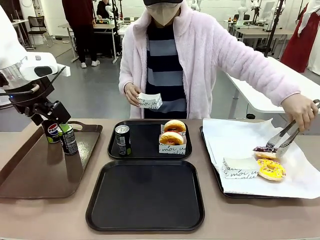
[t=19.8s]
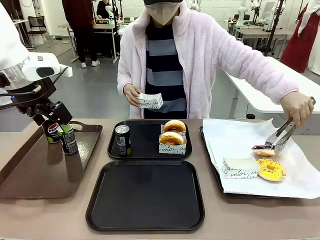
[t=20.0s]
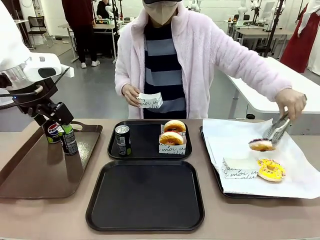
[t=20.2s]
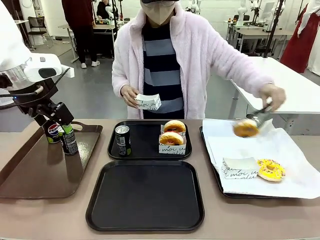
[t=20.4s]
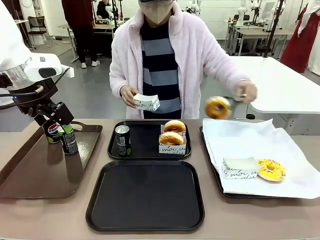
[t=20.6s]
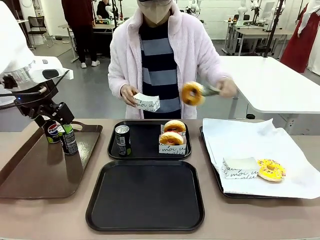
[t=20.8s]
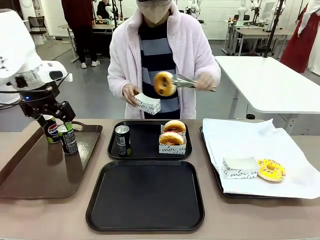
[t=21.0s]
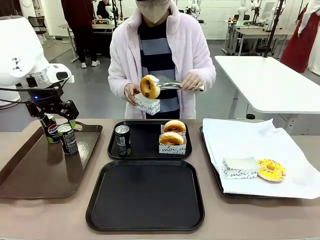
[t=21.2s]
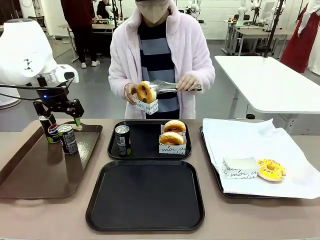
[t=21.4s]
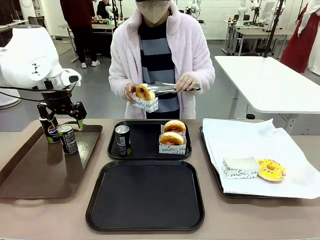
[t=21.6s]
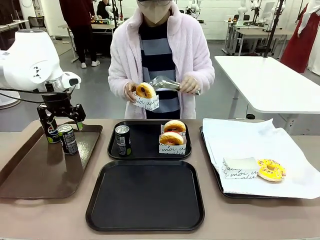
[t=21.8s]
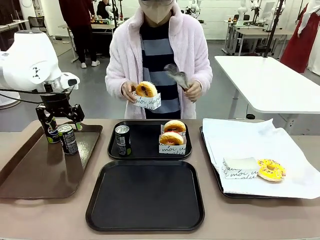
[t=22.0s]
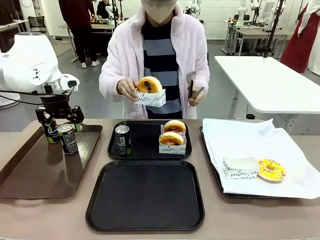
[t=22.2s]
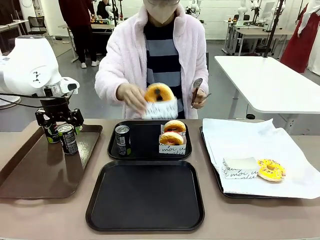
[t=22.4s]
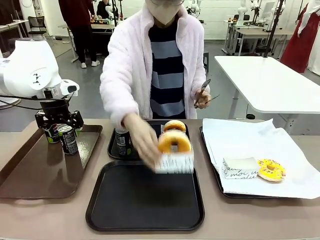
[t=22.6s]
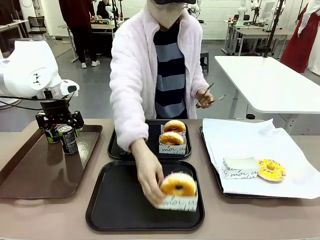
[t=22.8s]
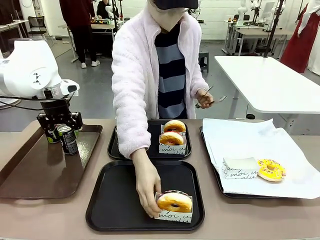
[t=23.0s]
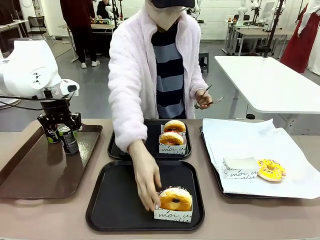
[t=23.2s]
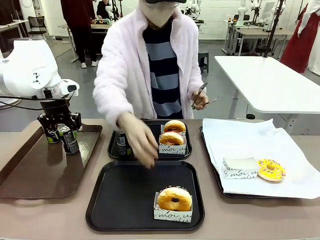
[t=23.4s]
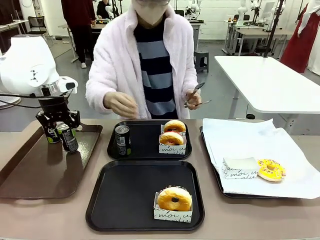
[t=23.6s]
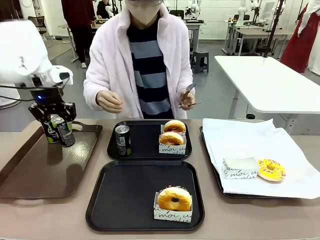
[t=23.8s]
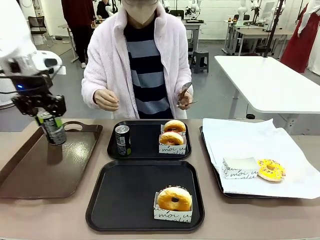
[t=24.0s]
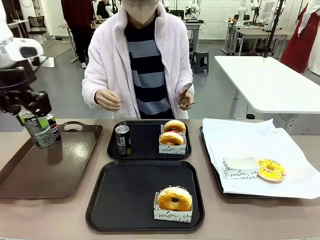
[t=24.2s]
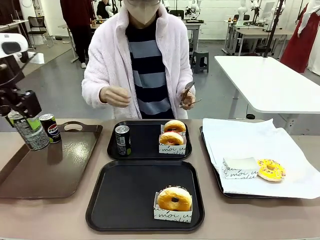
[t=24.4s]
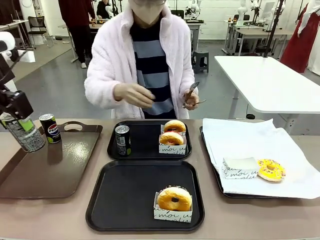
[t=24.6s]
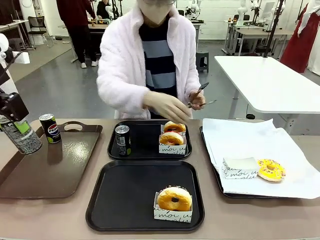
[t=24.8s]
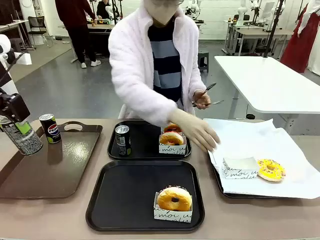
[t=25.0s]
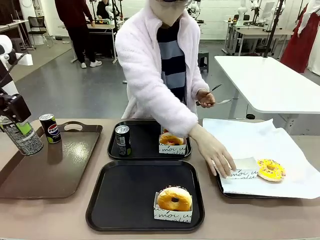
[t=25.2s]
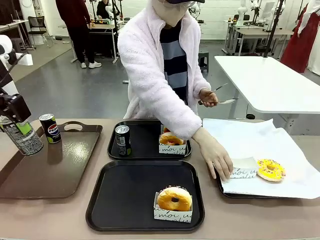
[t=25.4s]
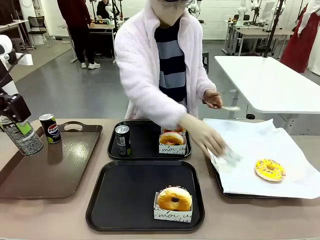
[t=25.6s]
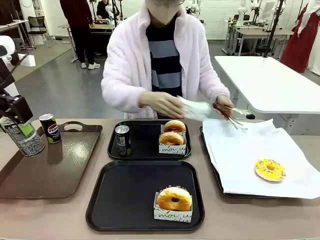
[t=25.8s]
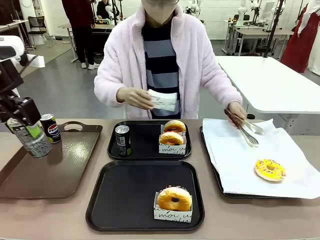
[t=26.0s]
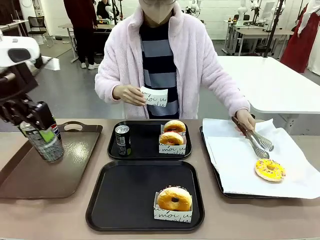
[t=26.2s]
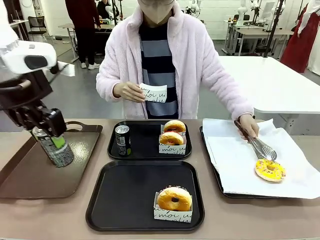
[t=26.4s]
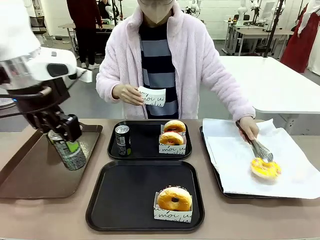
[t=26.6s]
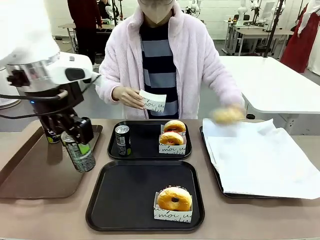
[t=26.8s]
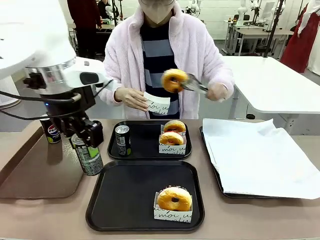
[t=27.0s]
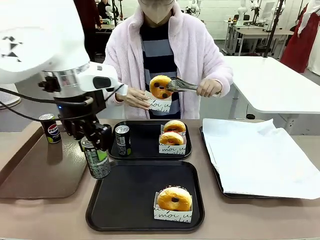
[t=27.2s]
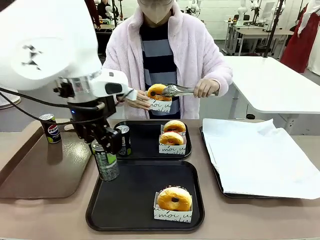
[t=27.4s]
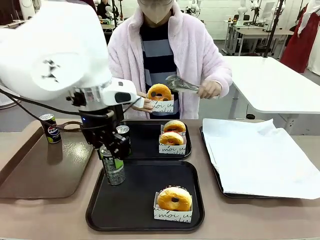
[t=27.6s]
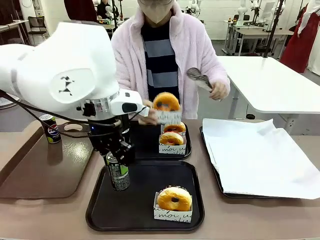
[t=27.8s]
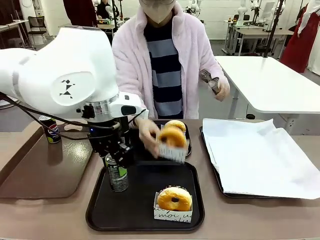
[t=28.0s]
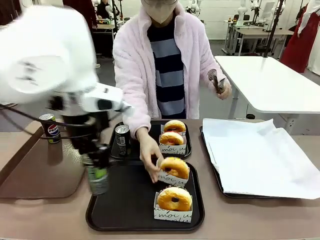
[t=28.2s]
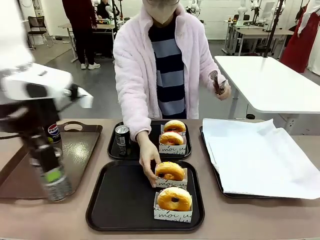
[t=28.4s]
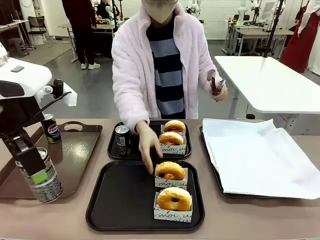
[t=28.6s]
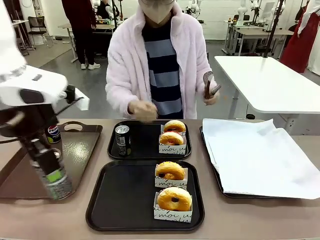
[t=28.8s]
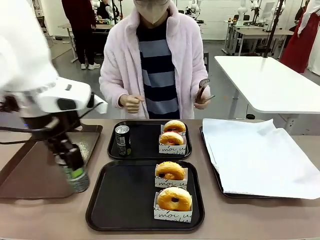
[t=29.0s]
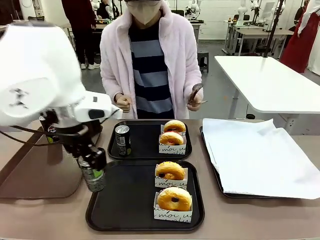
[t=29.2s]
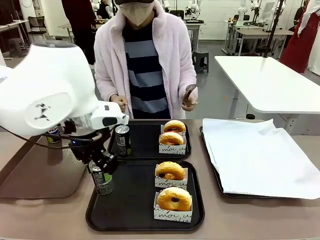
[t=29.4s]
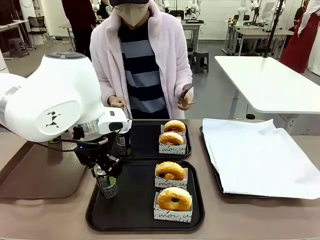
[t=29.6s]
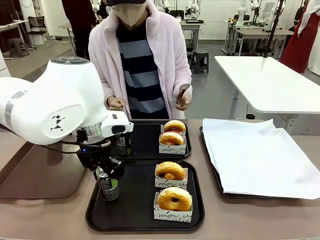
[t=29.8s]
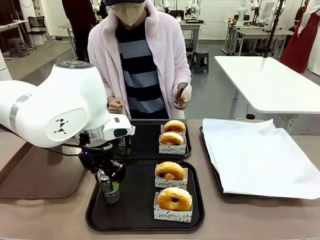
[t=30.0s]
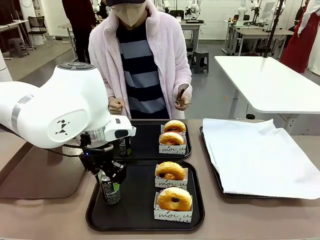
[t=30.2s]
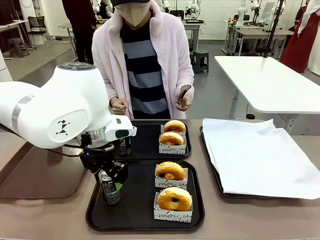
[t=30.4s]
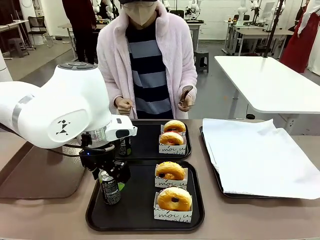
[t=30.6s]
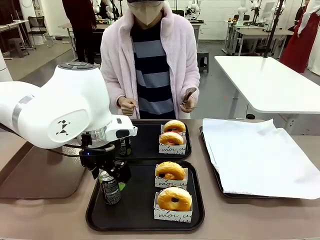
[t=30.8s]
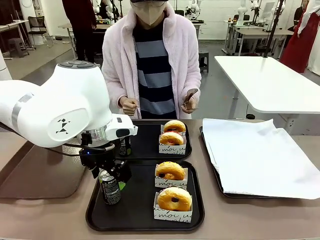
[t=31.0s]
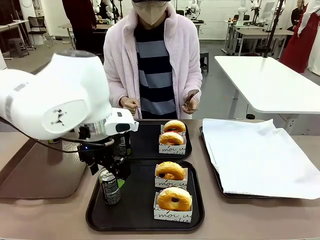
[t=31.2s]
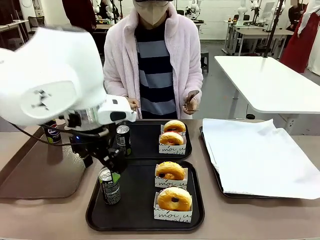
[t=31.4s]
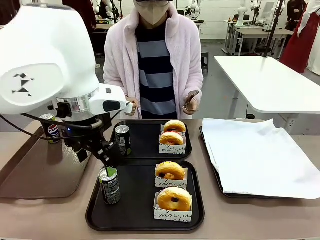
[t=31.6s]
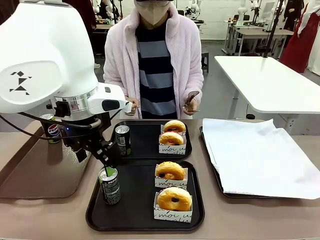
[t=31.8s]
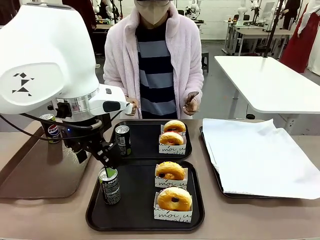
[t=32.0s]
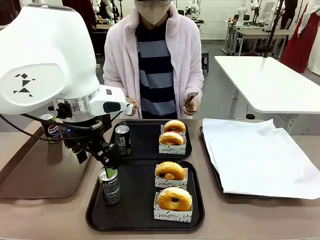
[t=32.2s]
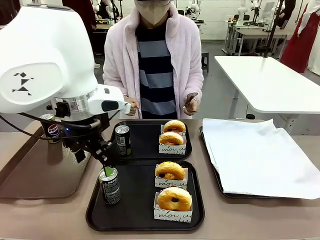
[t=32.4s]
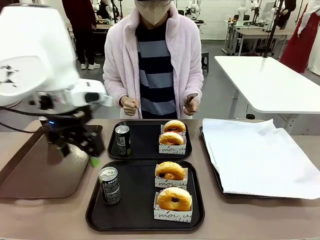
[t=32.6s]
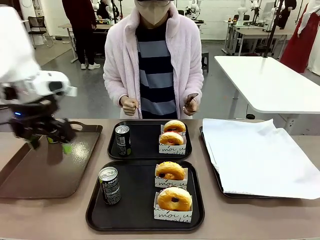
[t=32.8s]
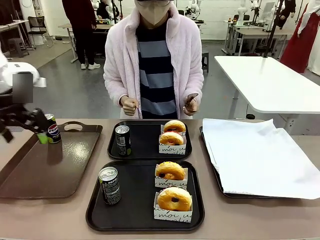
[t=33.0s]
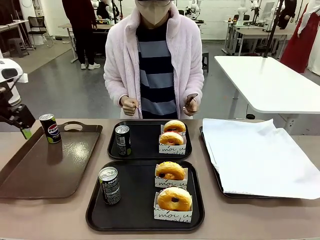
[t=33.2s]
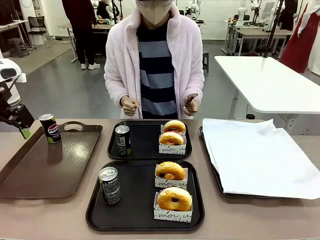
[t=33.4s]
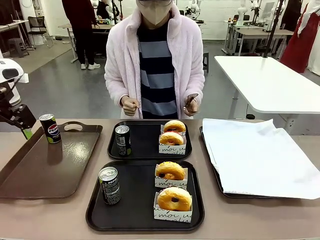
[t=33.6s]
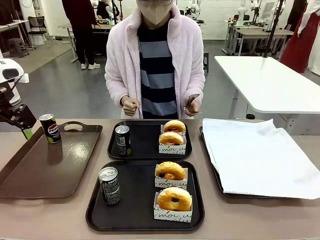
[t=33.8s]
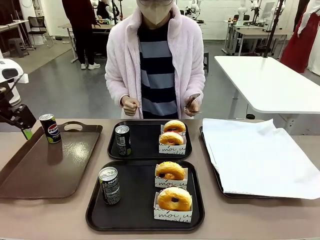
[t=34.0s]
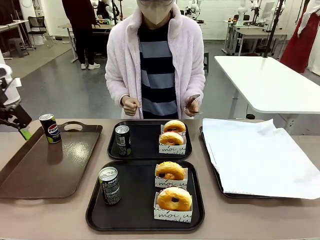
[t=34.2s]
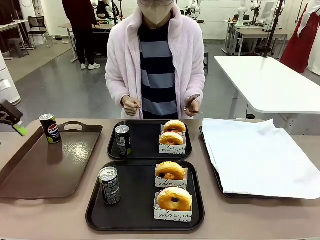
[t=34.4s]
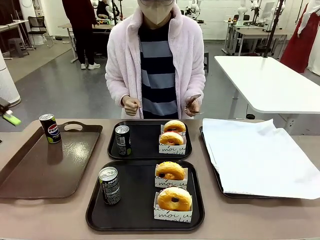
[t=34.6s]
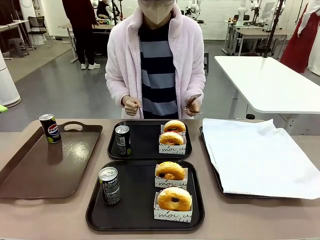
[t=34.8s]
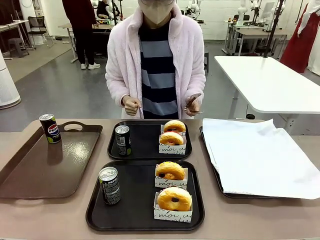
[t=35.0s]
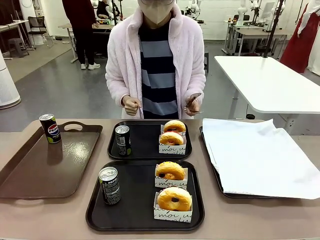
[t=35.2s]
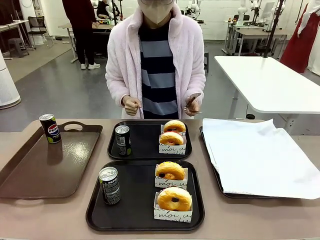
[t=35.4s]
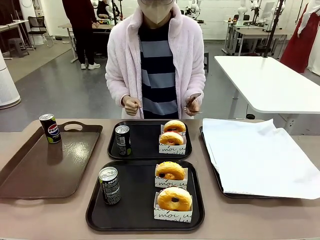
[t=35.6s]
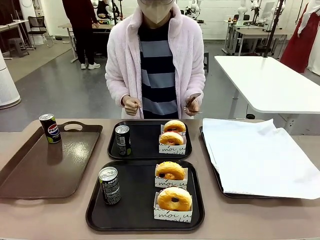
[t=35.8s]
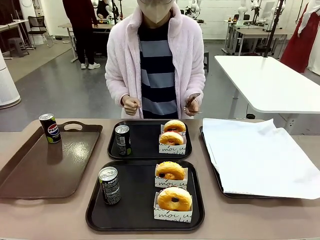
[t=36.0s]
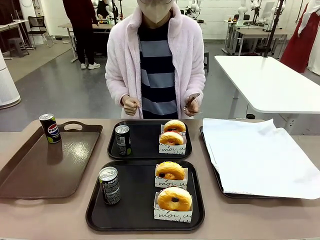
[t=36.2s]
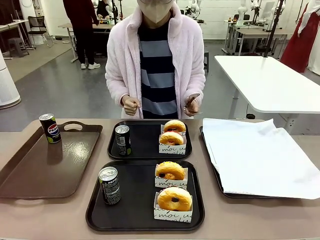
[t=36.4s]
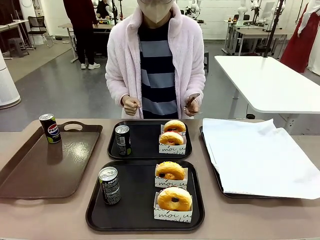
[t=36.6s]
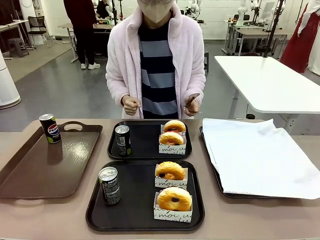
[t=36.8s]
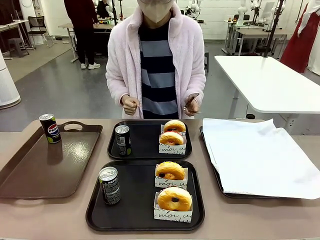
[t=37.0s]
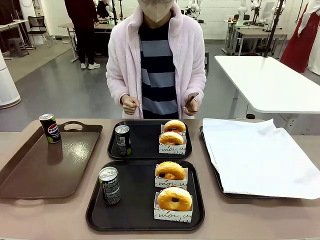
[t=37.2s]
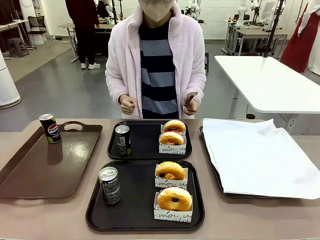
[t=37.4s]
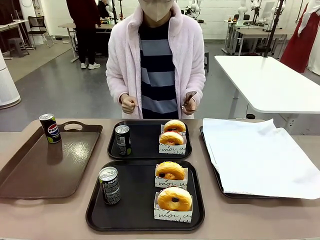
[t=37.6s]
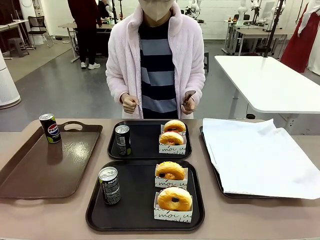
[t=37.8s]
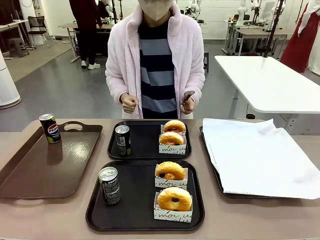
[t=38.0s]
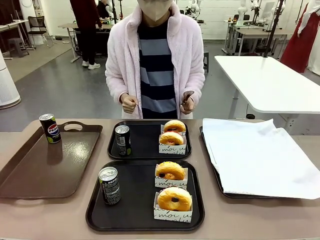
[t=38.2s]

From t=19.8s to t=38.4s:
Task: Set up donuts and drinks on trays.
Robot: Pick up one Pepsi coke from the Handle tray and place it on the Flat Tray without a Pepsi coke.
